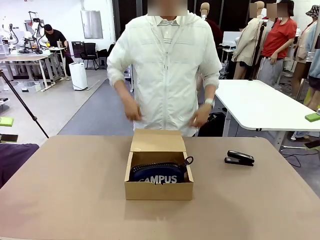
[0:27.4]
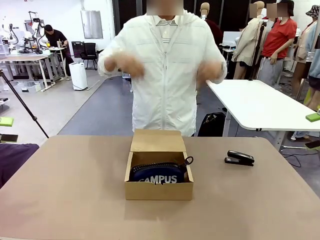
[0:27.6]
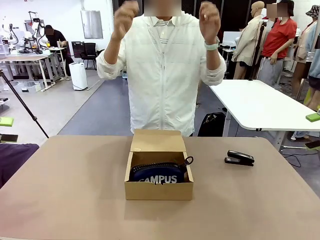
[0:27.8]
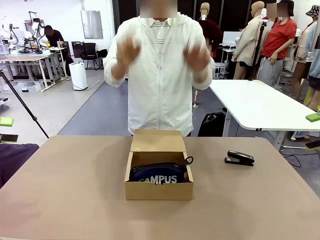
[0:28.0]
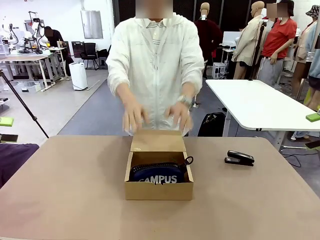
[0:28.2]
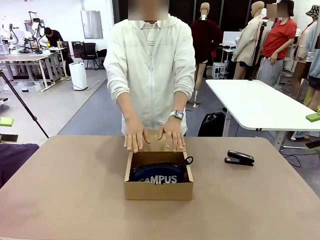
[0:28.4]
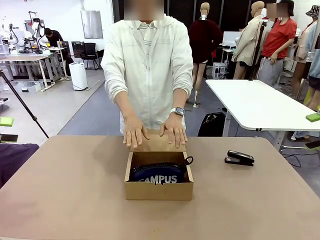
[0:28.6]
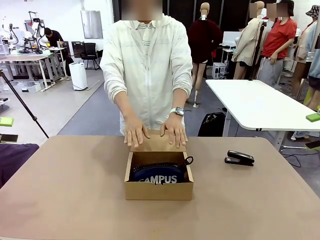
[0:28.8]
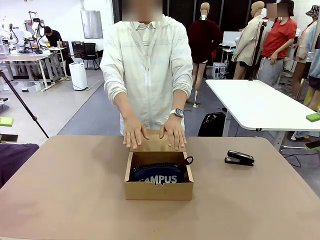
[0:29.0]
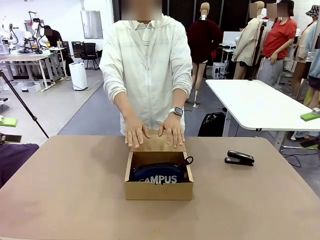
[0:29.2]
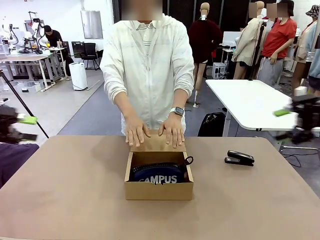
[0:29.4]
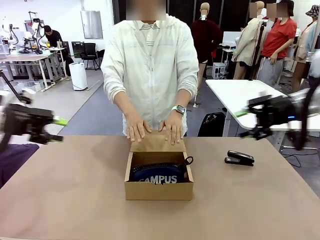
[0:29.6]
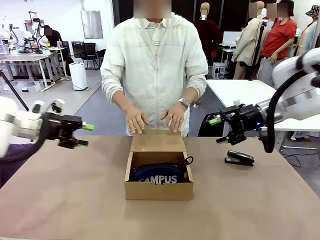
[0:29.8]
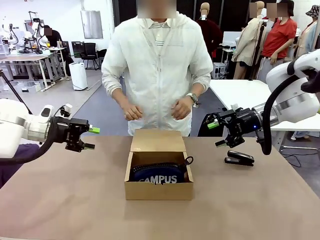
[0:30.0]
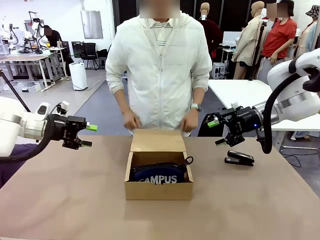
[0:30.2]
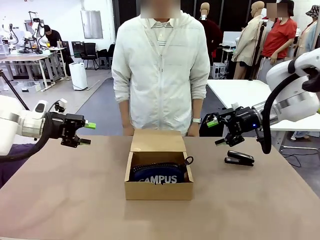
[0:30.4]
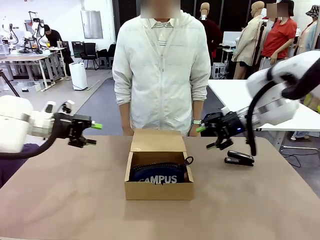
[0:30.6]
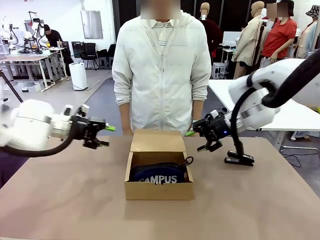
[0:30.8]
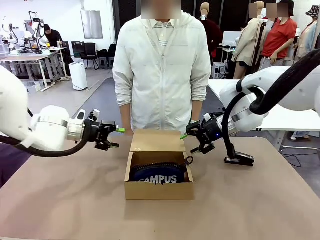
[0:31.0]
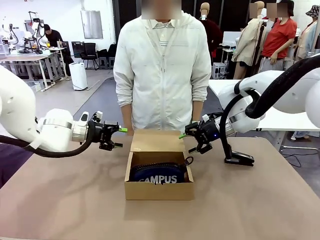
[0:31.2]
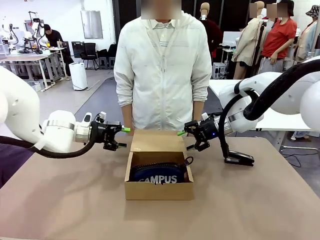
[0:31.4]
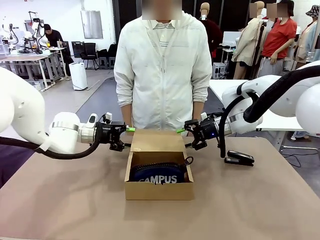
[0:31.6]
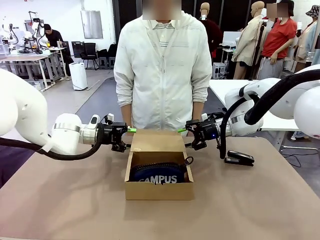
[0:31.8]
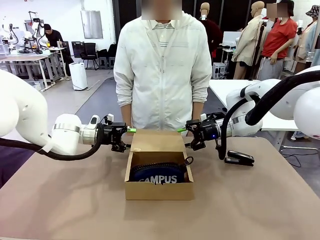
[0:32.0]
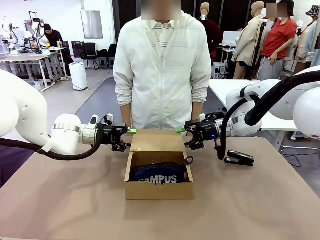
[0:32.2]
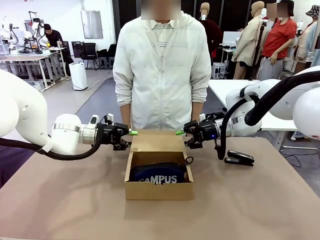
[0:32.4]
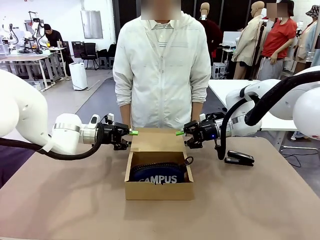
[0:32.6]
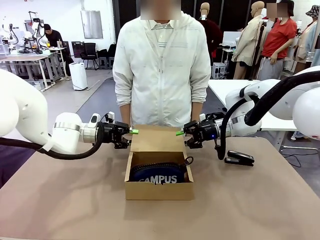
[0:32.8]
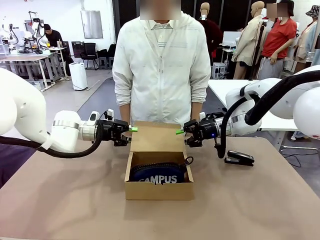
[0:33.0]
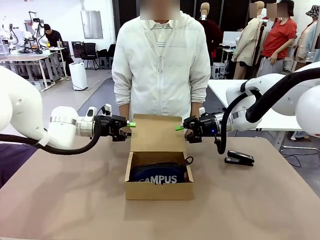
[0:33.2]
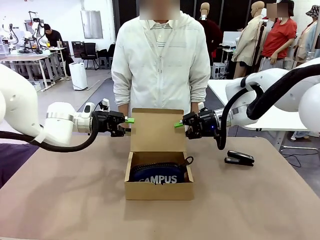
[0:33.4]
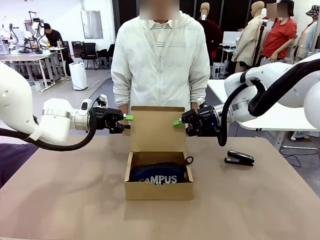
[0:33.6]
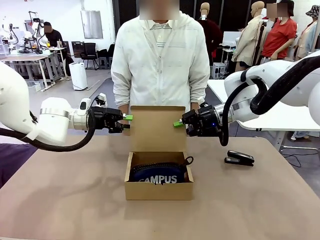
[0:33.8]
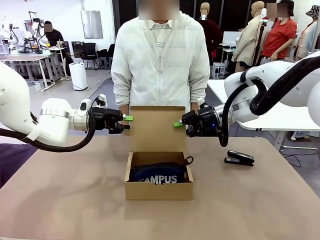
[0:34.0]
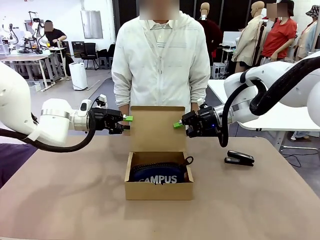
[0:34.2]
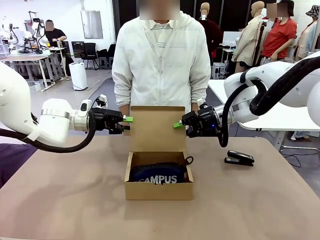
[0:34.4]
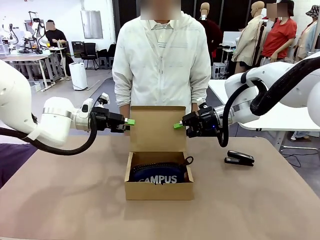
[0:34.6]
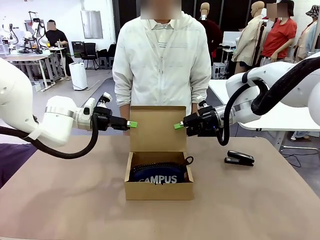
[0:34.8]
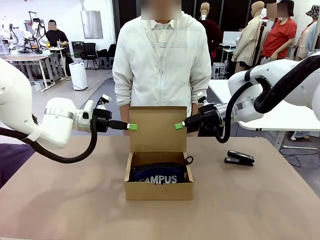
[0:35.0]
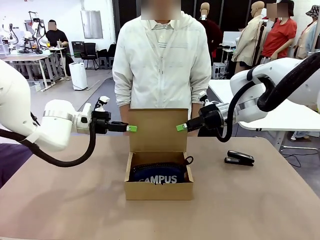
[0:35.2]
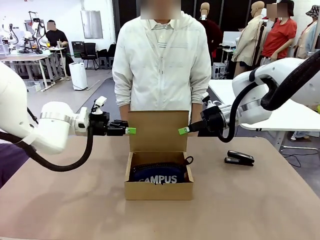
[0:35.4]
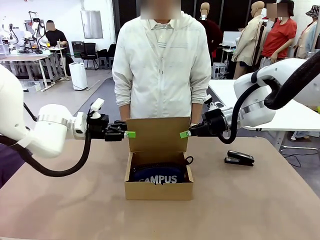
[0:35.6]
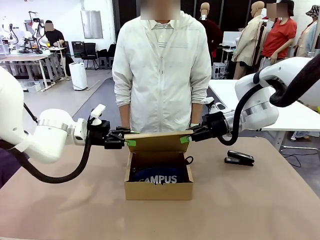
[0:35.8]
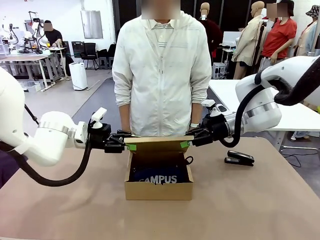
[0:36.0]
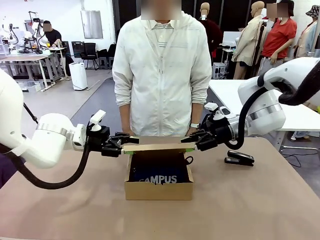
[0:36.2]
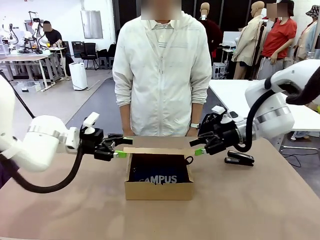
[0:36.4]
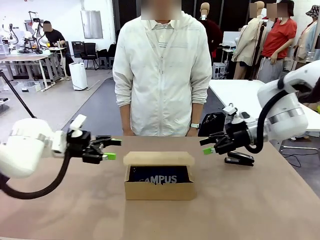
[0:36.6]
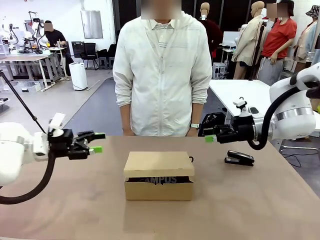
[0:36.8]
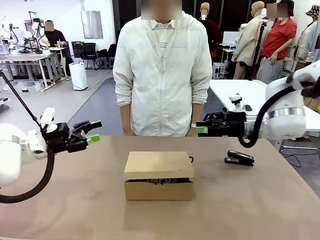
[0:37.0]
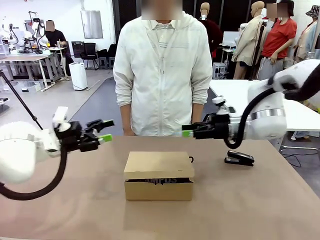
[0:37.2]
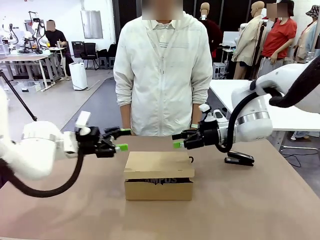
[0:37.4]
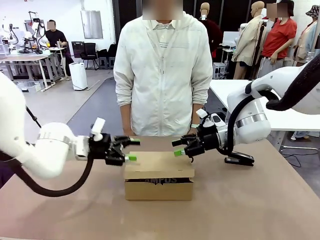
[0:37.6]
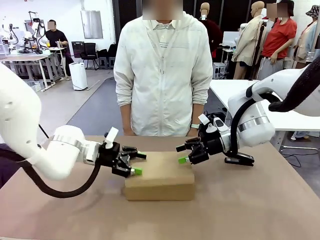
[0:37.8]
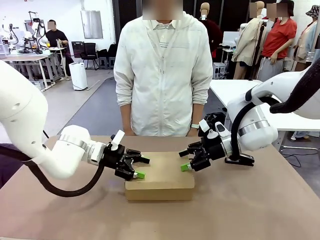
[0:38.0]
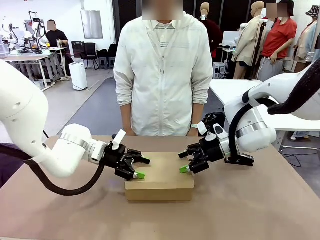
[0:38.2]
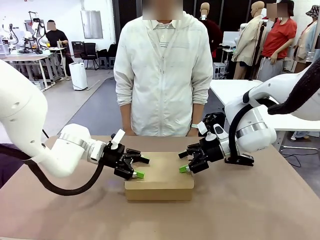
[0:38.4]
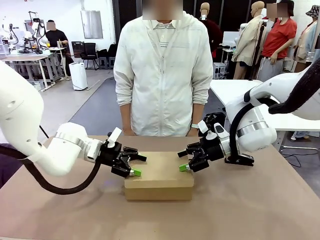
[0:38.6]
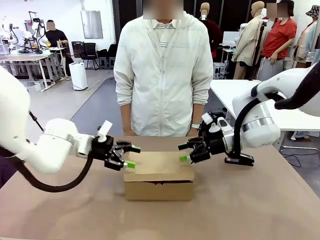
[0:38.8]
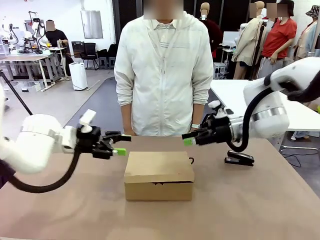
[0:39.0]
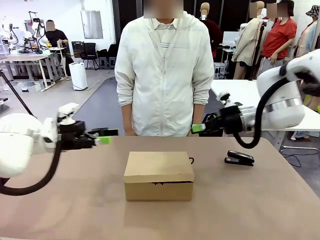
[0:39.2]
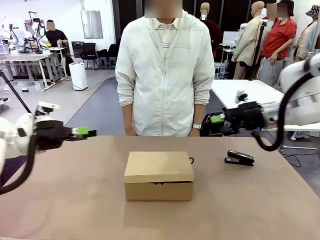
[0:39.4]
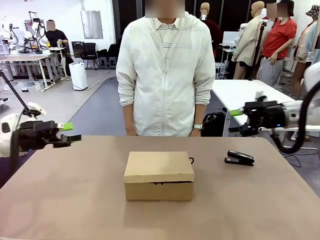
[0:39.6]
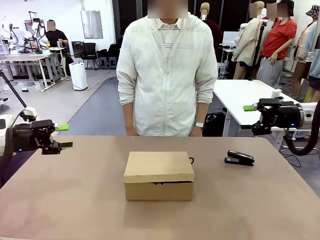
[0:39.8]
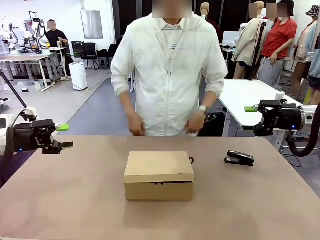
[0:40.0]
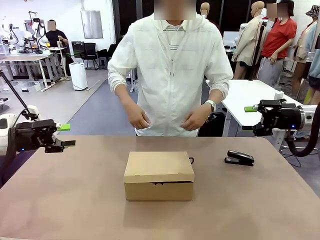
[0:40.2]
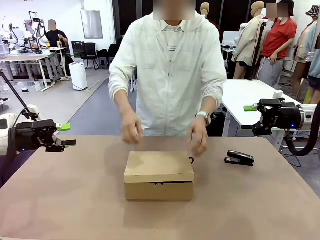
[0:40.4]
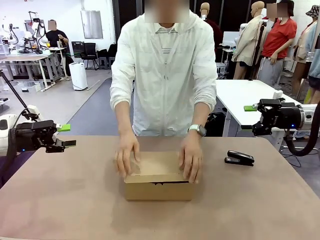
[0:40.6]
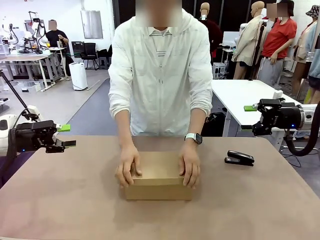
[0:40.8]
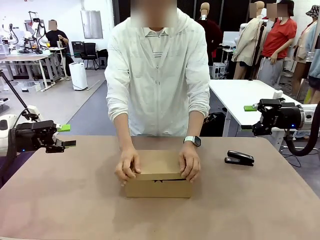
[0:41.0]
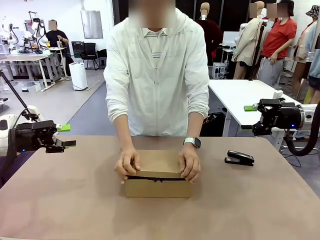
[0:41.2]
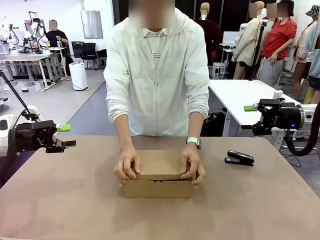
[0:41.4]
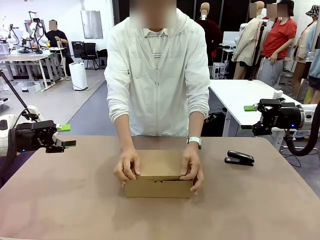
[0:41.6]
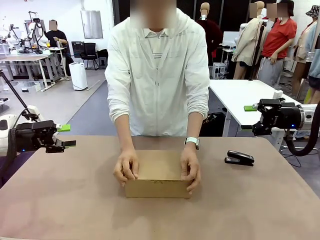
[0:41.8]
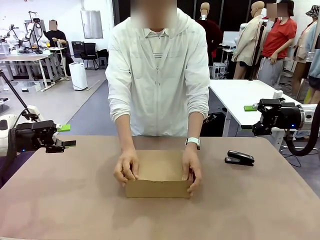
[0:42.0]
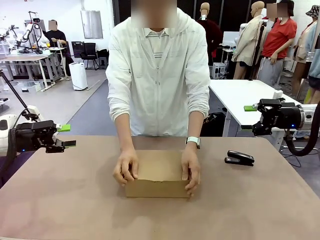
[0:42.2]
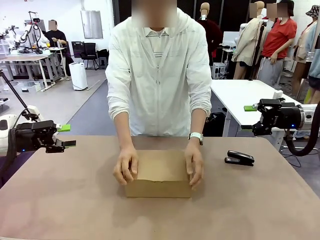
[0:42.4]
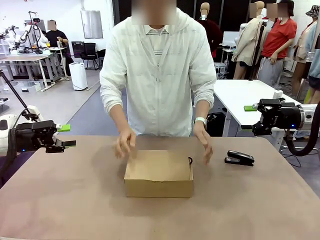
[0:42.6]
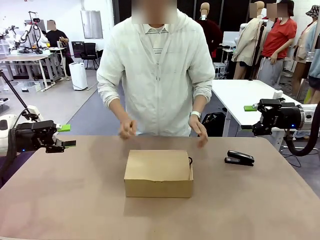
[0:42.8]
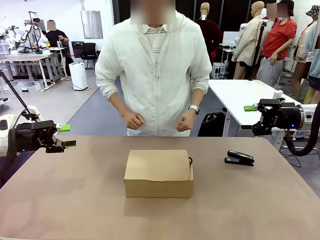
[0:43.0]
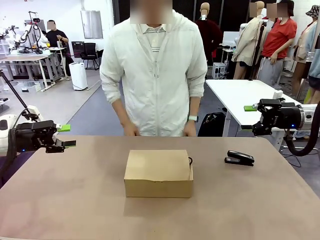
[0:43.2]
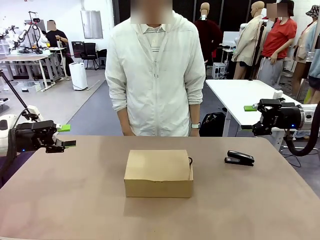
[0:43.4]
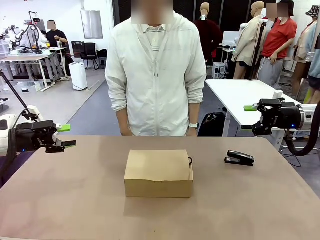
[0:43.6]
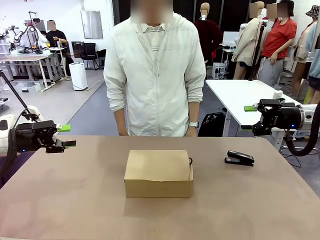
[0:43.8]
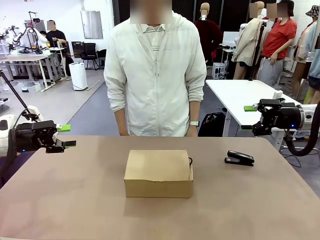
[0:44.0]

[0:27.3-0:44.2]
Task: Pack the items into the box.
Robot: Close the Mailer Box.
Person: Turn the box and lock it.

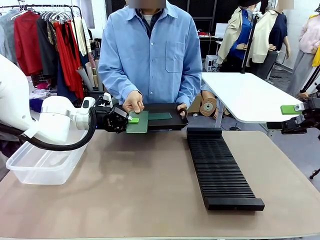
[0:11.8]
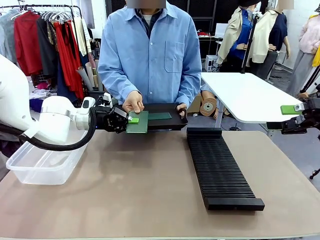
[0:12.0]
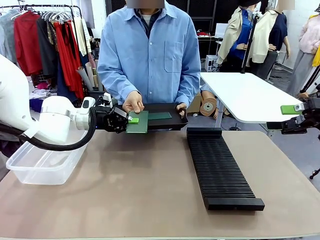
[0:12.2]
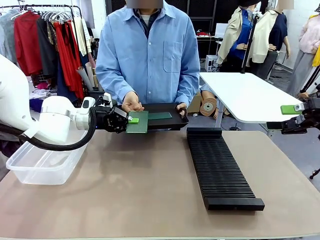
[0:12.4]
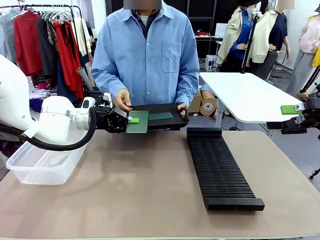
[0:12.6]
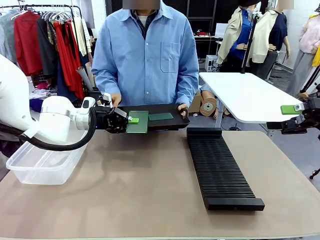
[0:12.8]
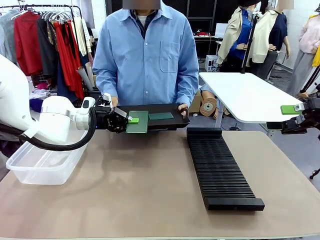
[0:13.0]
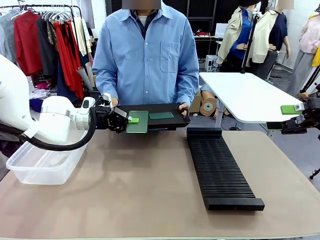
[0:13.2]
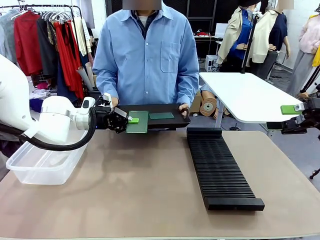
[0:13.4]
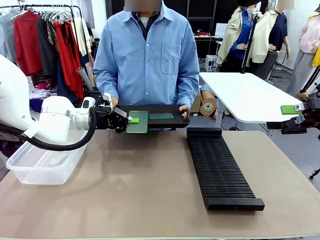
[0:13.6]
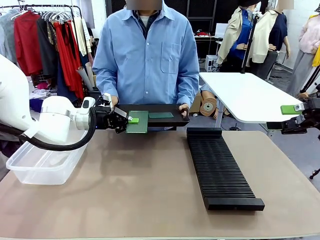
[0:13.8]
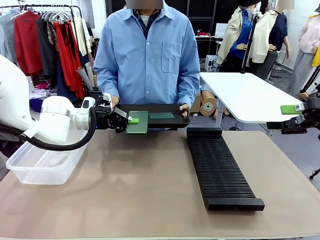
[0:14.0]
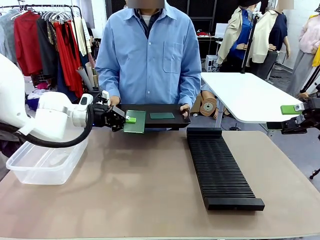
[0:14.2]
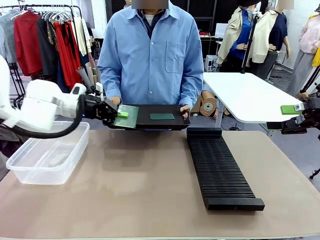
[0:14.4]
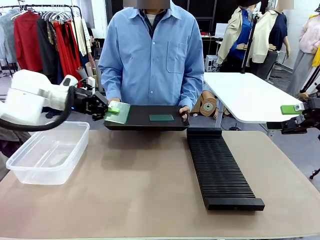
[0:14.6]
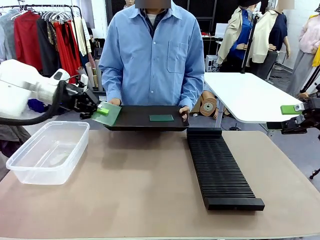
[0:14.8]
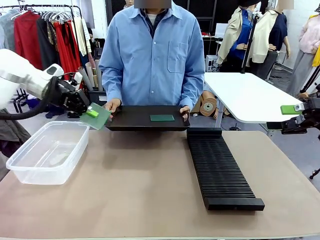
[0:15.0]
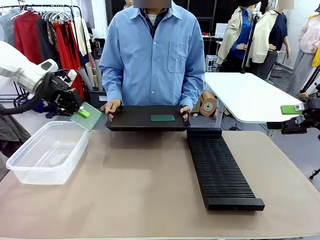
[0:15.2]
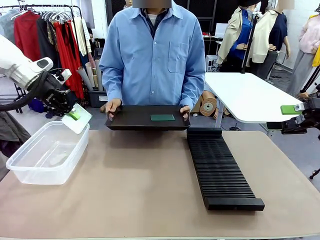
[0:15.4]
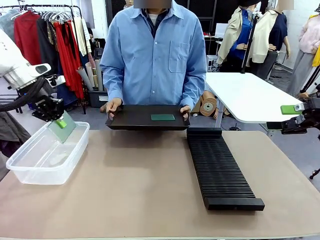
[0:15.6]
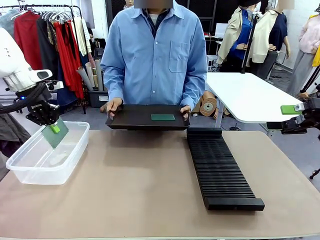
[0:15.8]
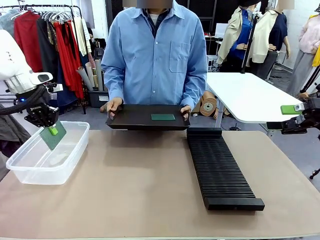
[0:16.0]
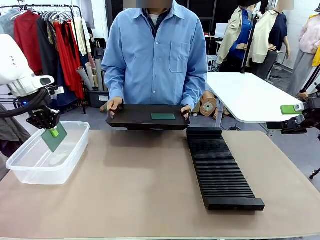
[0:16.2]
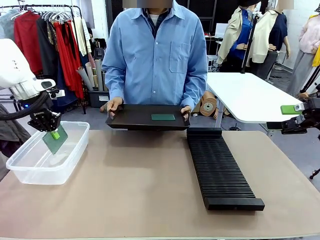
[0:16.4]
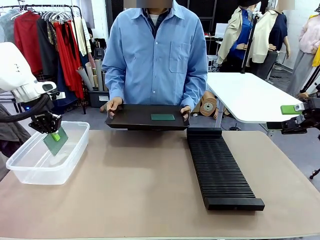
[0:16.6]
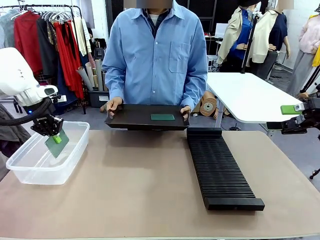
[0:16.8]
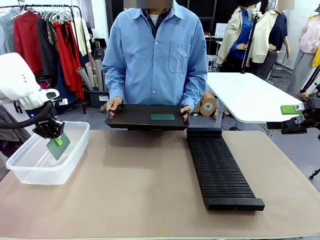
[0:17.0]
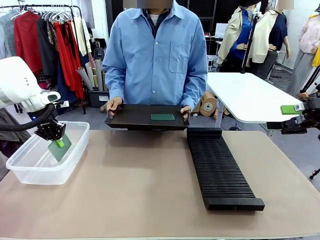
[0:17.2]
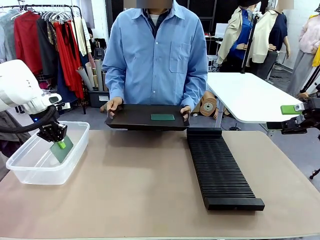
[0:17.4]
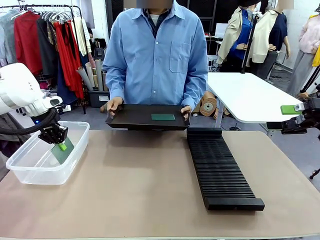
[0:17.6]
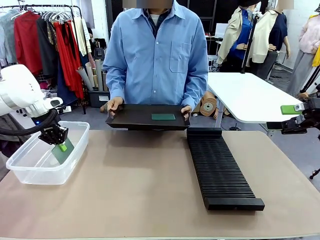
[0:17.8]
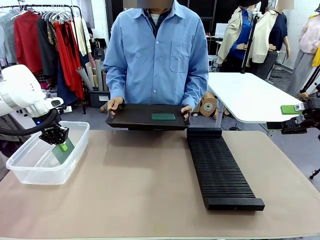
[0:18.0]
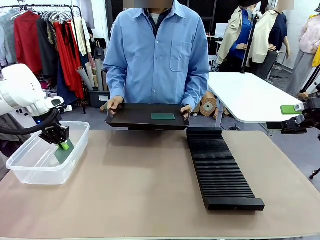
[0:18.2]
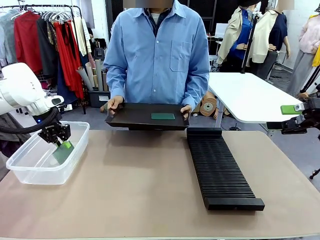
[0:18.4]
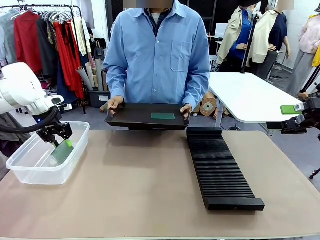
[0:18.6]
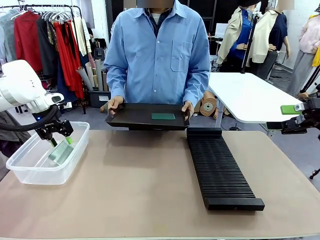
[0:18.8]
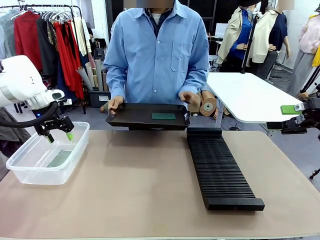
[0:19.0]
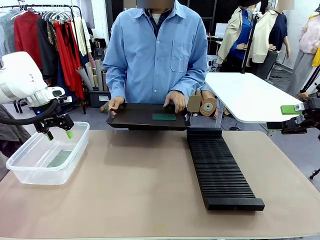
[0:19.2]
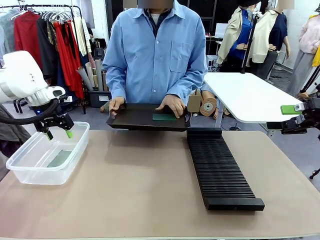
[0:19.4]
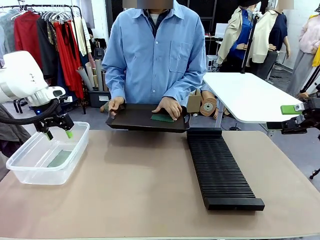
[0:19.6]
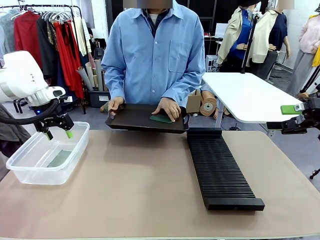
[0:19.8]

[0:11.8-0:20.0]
Task: Sort PCBs into racks and boxes based on the side picked up.
Robot: If the short side of the Blank PCB is picked up, insert it into the PCB Rack ; if the long side is picked up, place it in the Organizing box.
Person: Pick one PCB from the tray and present it to the robot.
